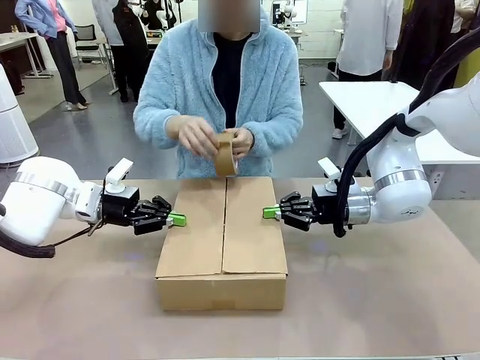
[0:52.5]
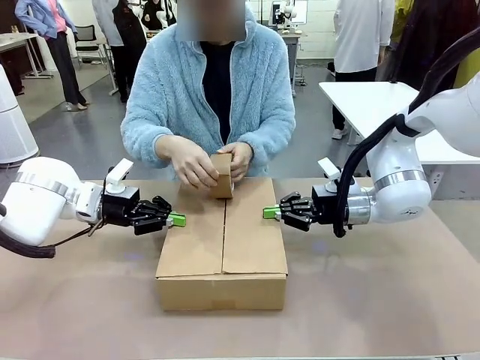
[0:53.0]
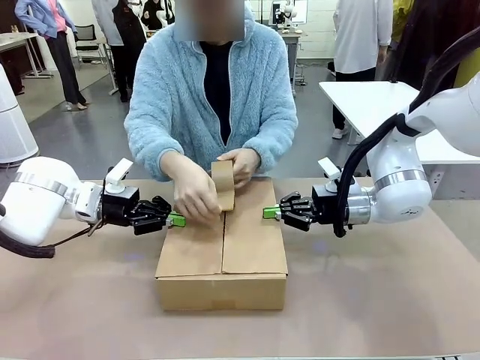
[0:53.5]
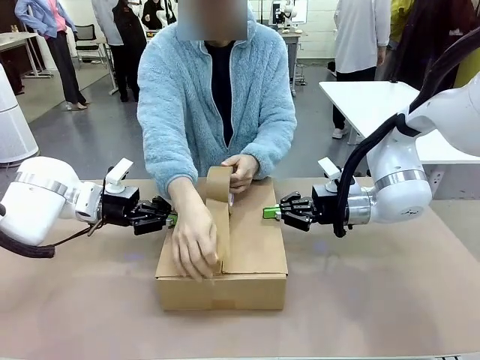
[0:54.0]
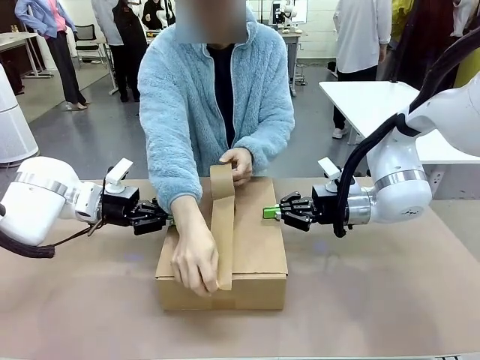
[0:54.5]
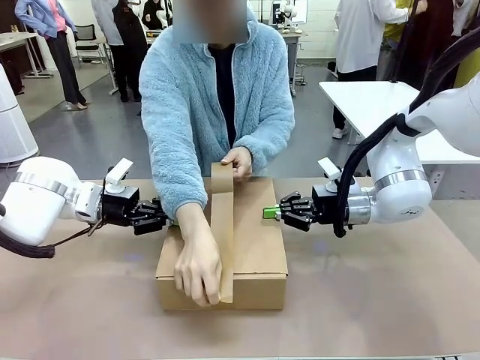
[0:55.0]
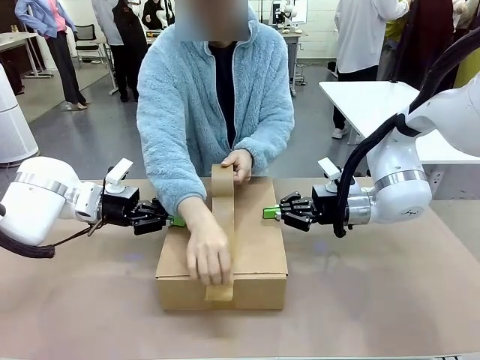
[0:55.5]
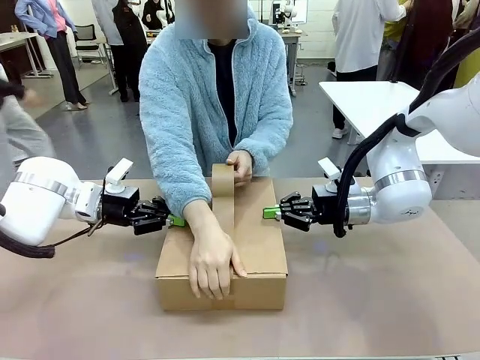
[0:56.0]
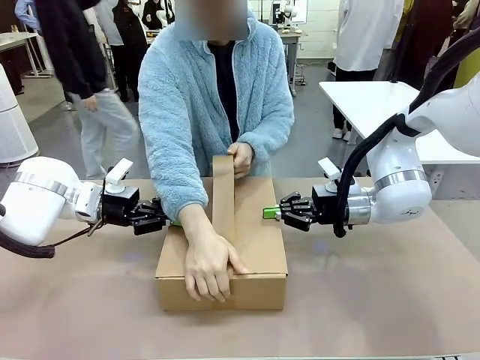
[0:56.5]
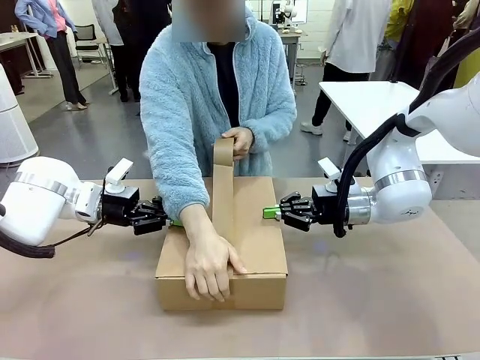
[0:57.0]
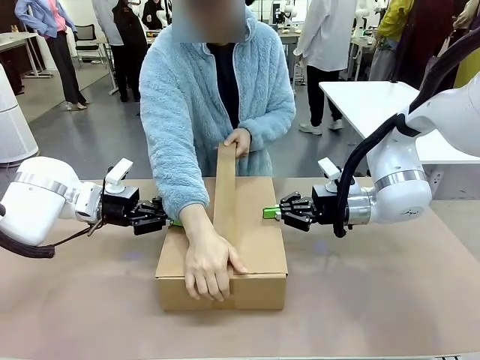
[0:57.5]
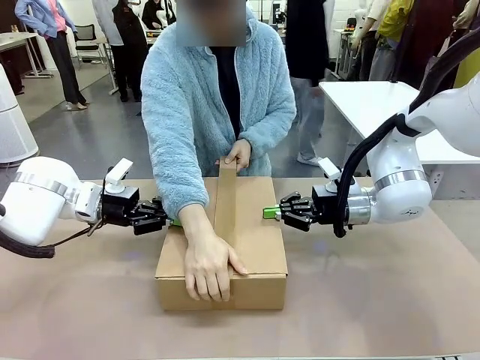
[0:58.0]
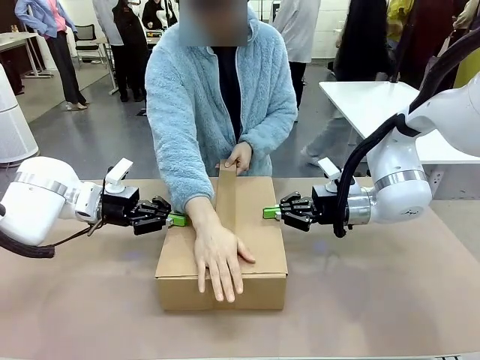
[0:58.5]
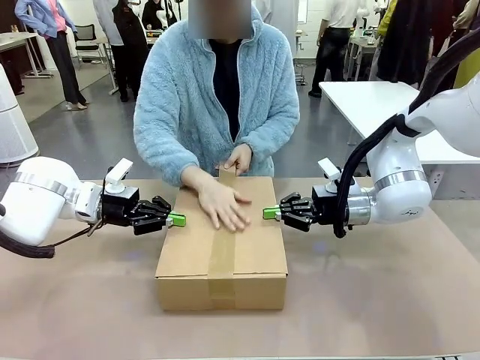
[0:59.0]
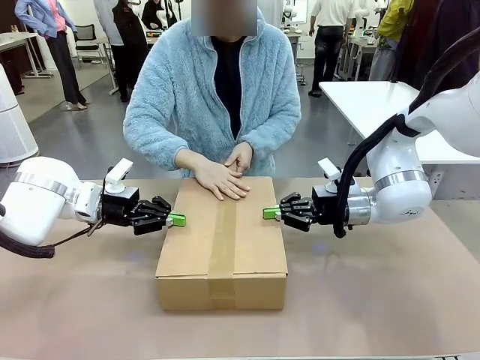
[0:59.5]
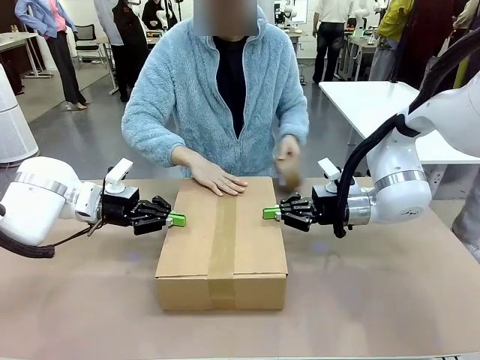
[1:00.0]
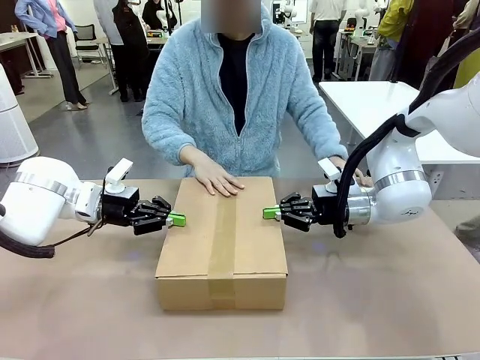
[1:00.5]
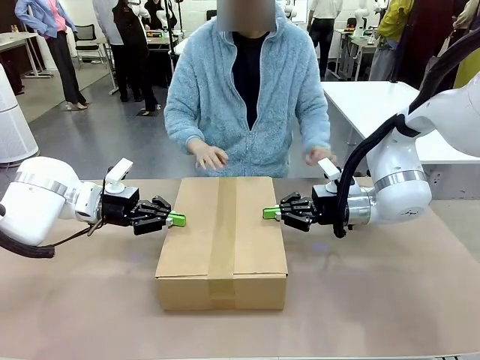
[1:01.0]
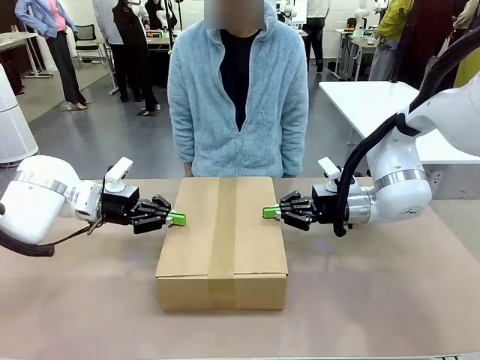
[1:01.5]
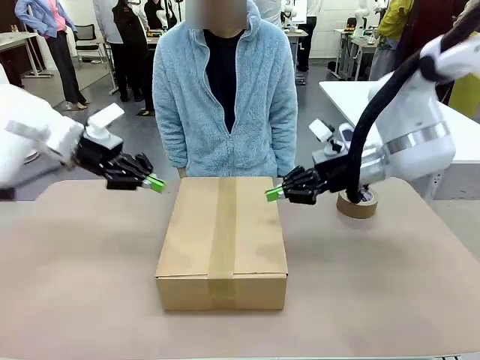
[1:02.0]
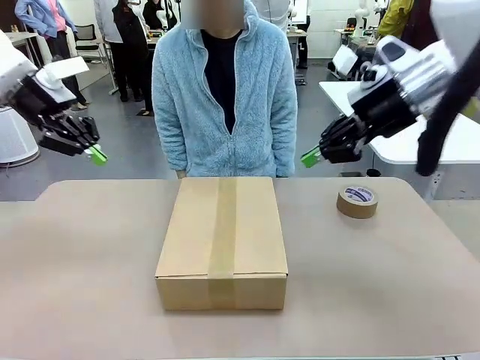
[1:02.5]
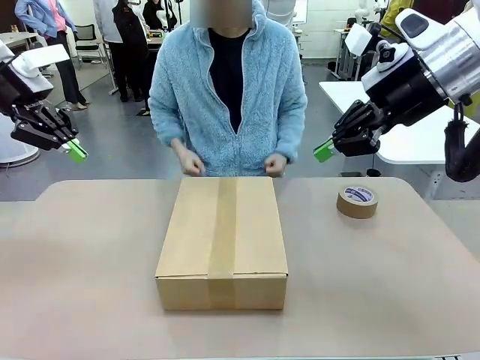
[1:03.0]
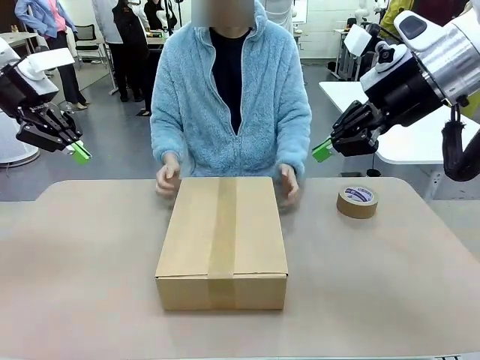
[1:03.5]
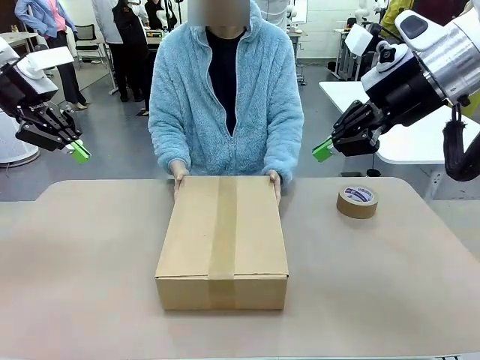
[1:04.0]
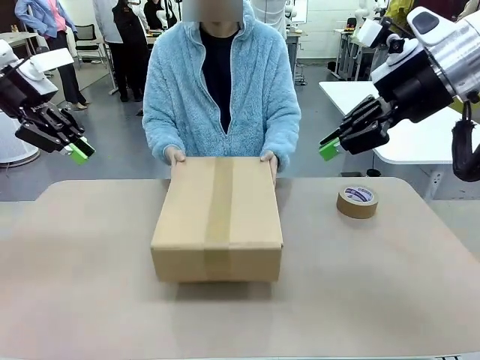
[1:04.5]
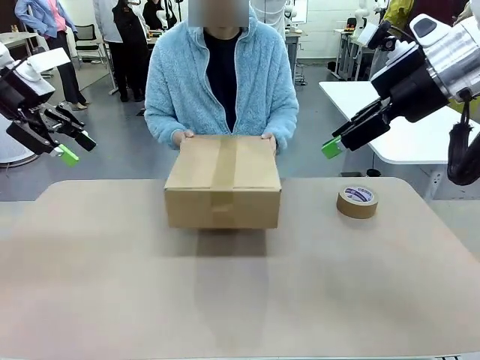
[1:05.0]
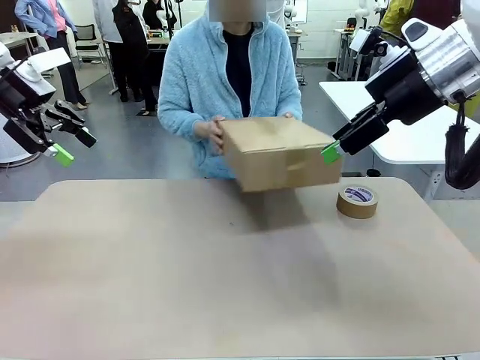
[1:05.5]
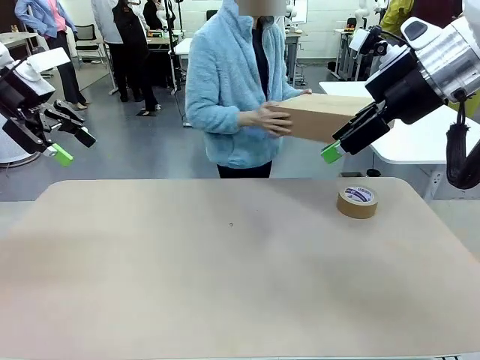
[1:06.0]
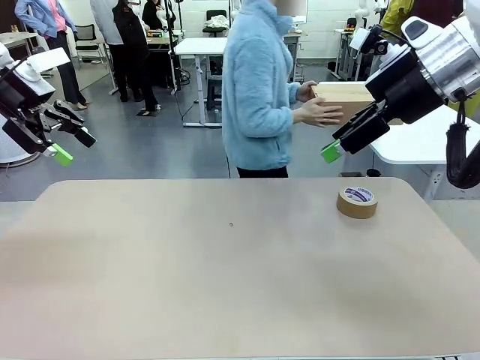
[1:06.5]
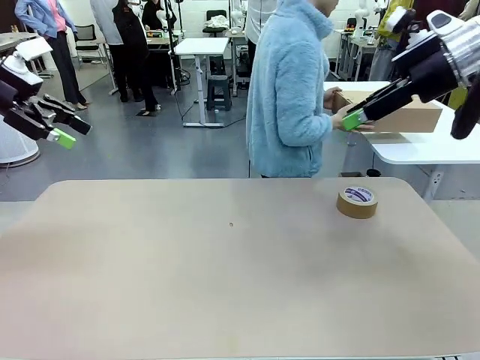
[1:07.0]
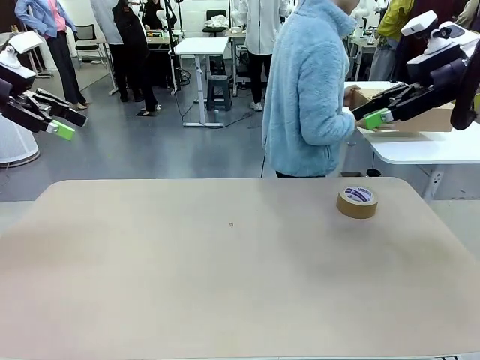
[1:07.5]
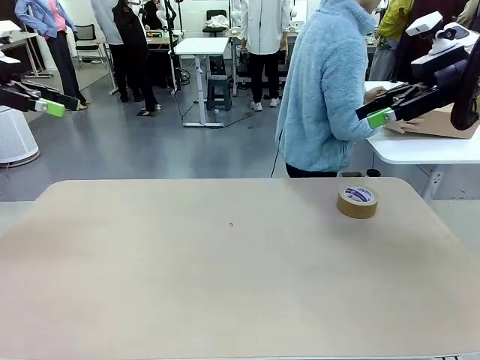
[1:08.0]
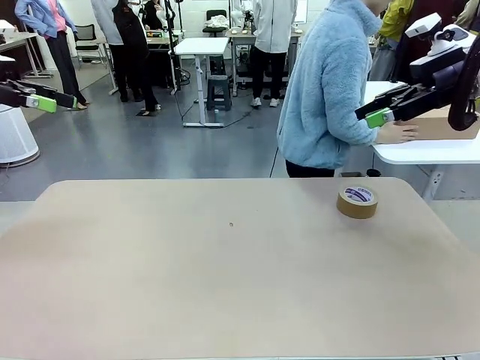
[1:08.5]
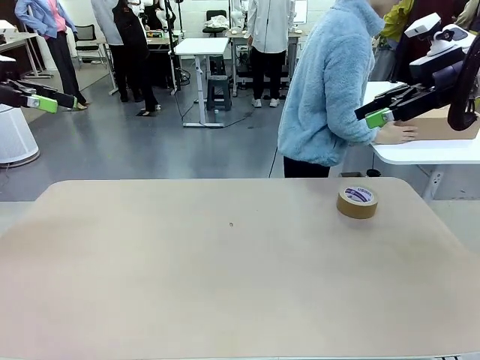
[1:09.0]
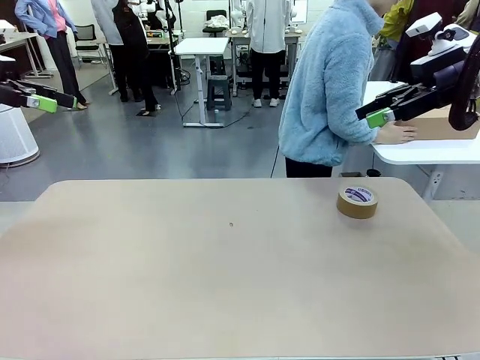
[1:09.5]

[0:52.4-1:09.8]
Task: Wrap the clocks to prevent damage.
Robot: After the human seals the box with tape, release both hands from the side flaps of the Package Box.
Person: Once the robot closes the left flap of the Package Box , seal the box with Paper Tape. Place sealed Package Box in the middle of the human's table.

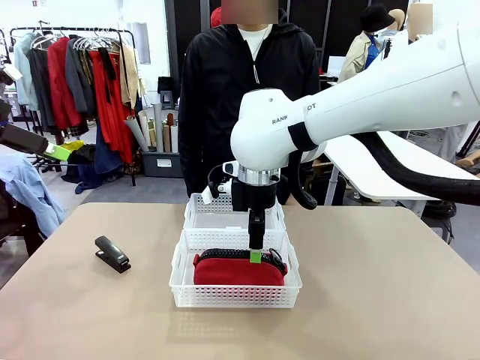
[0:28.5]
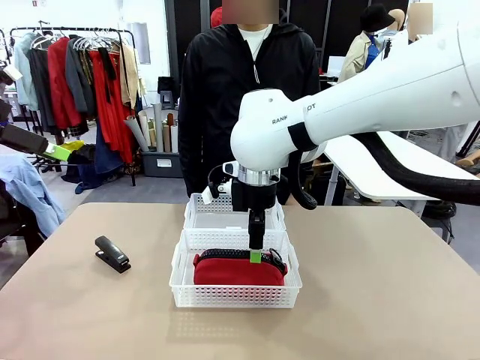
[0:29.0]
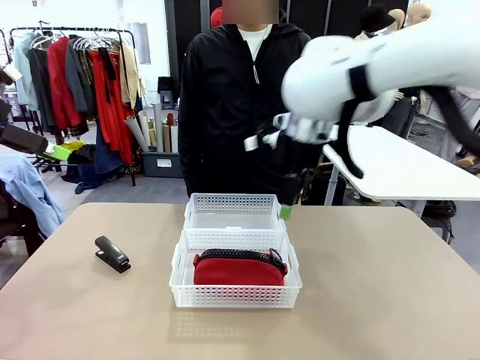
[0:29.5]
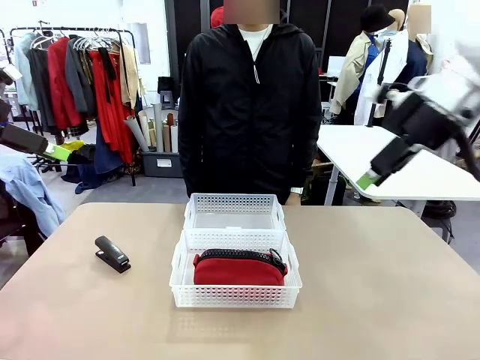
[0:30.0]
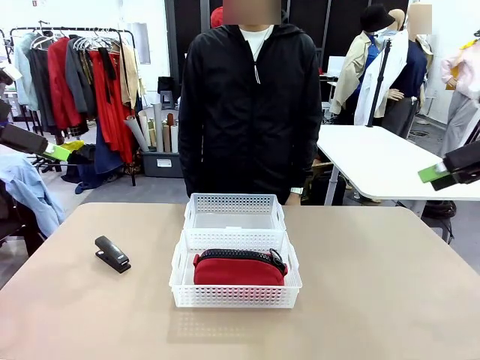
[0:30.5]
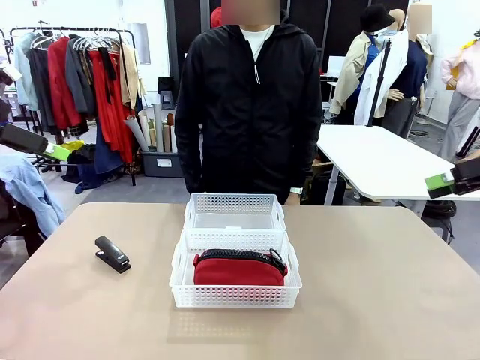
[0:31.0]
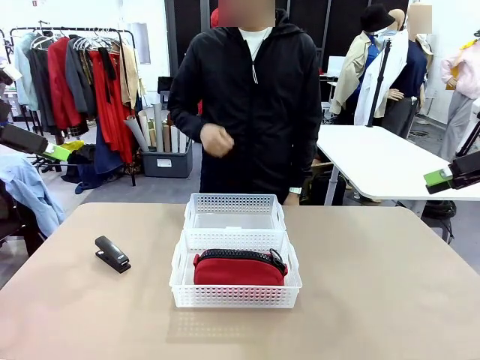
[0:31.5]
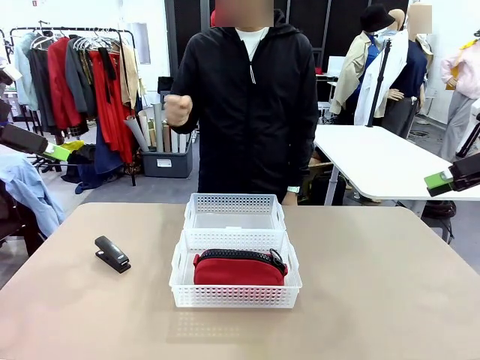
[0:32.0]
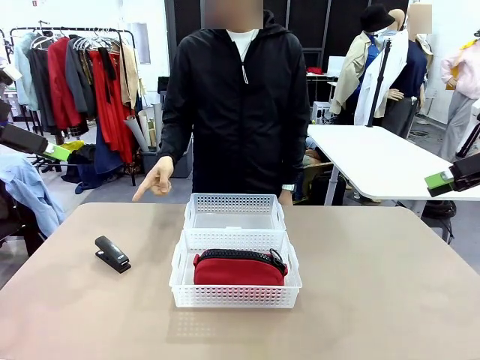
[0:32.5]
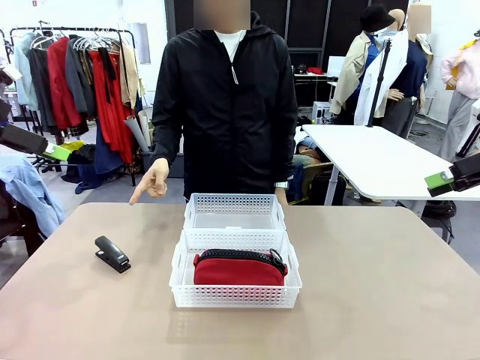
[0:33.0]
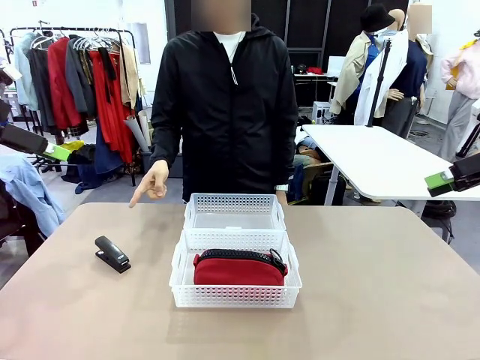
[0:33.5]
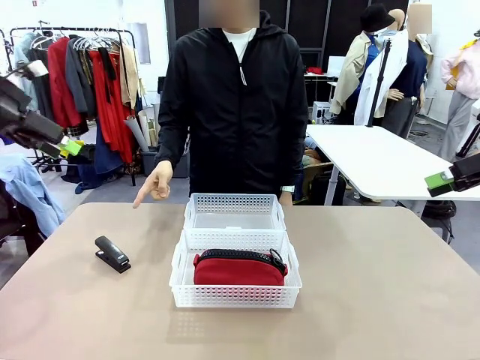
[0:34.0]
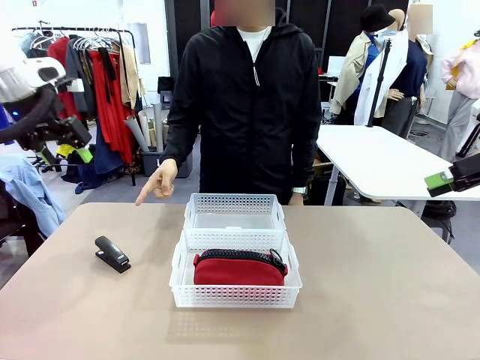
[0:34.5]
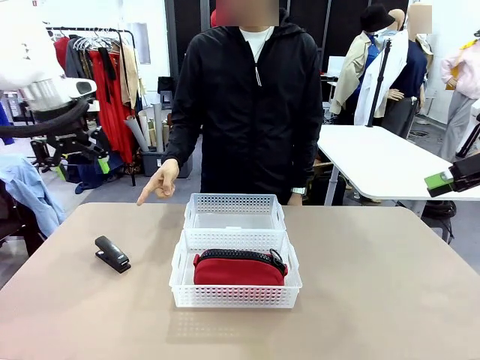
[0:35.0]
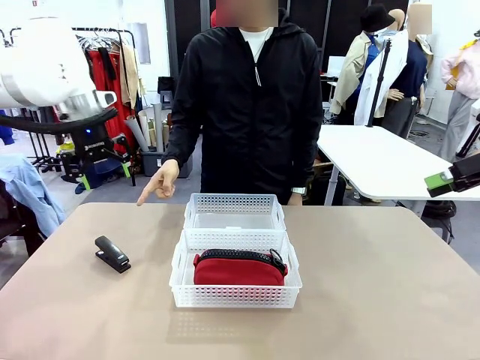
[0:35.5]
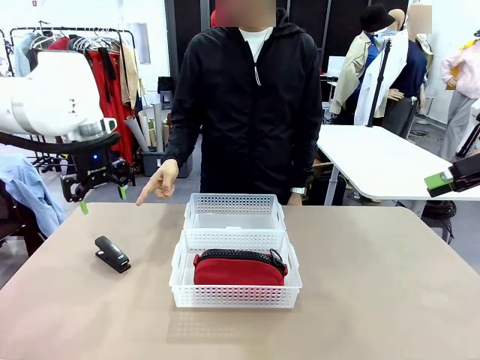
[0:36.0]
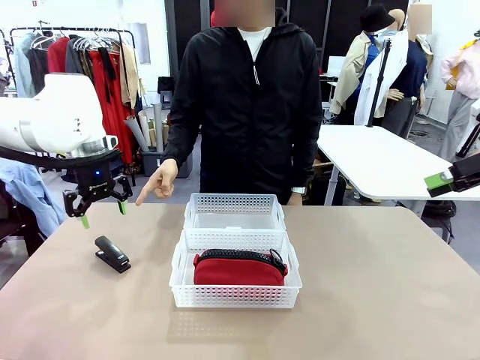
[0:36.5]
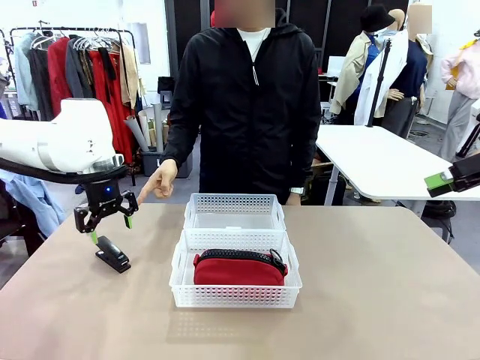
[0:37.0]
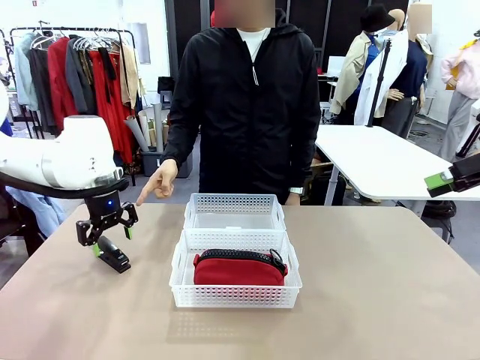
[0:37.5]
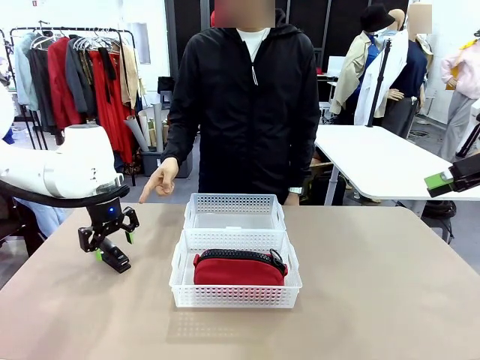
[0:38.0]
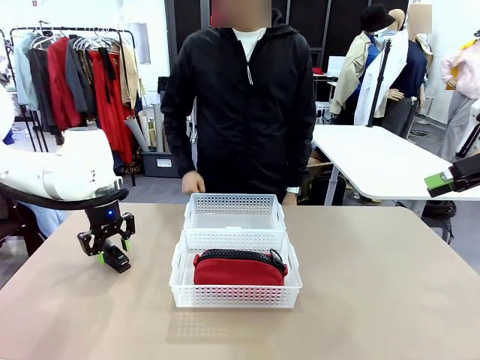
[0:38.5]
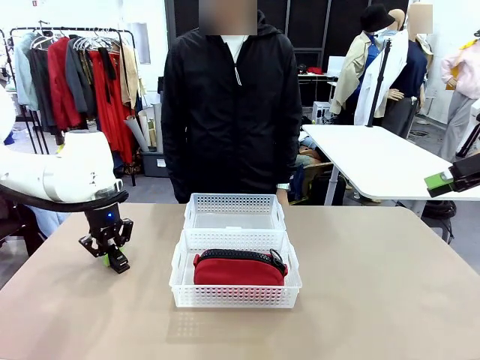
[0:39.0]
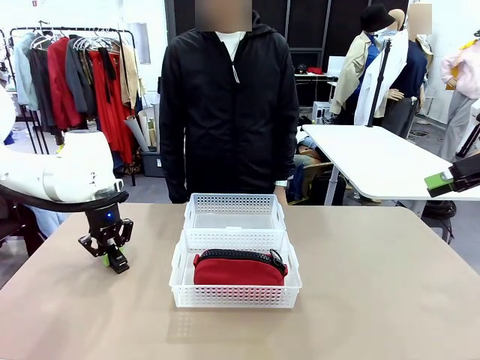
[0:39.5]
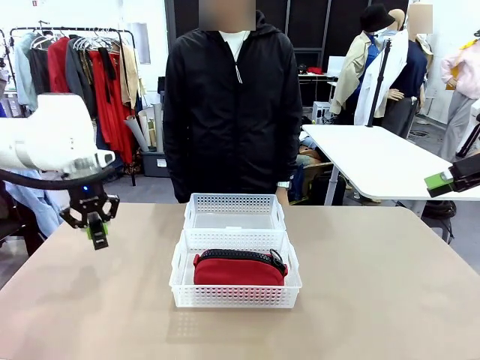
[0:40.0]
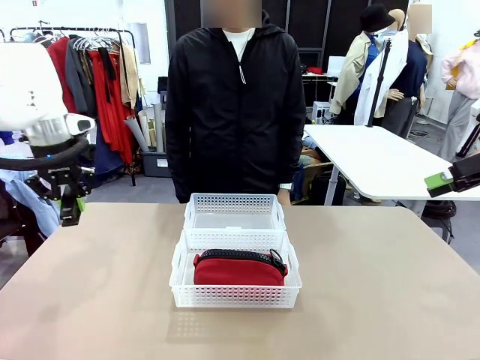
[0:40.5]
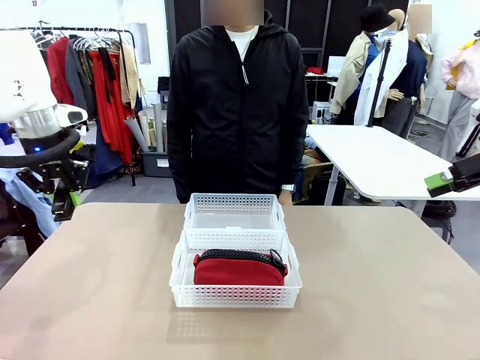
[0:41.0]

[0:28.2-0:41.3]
Task: Distribute items into two baskets.
Robot: Pick up the Stapler that the person points to.
